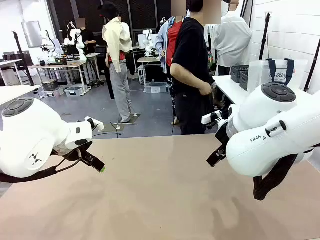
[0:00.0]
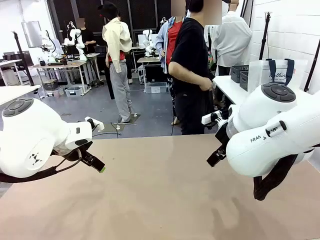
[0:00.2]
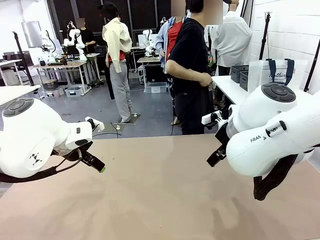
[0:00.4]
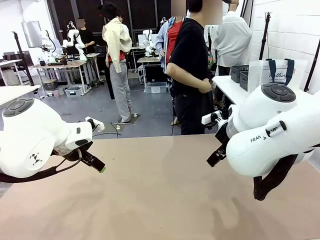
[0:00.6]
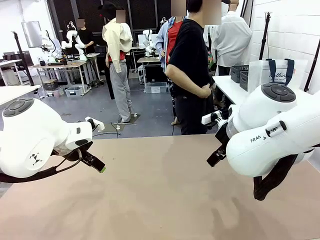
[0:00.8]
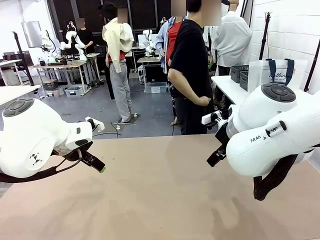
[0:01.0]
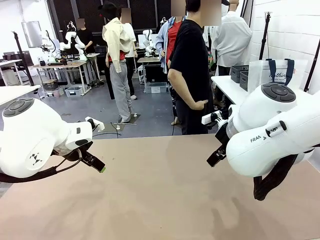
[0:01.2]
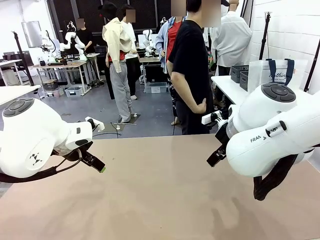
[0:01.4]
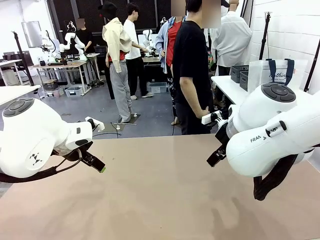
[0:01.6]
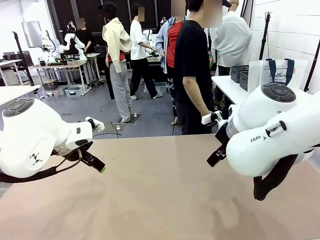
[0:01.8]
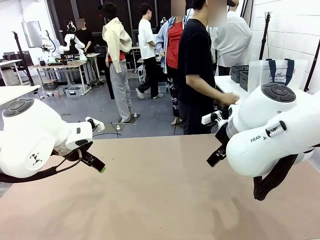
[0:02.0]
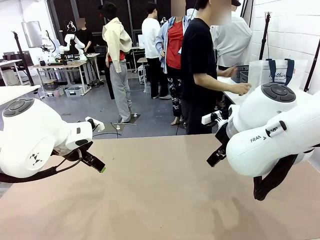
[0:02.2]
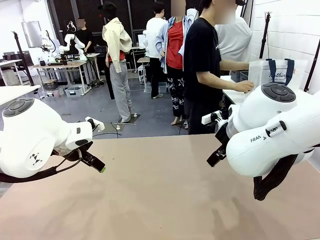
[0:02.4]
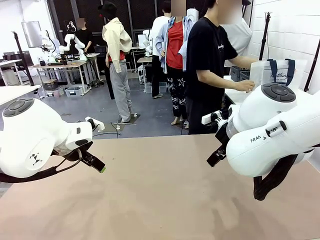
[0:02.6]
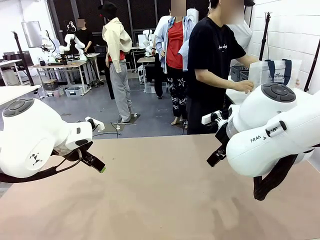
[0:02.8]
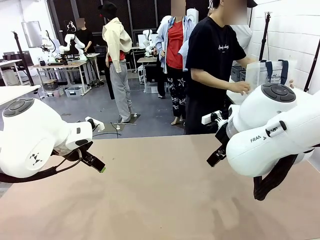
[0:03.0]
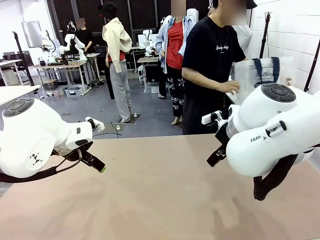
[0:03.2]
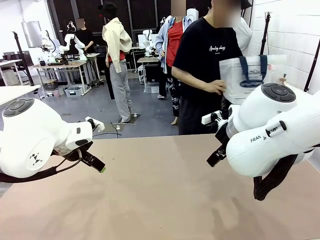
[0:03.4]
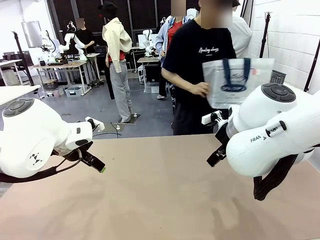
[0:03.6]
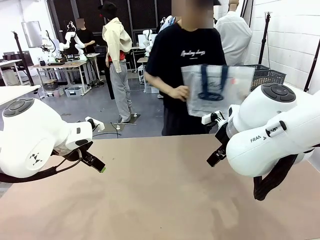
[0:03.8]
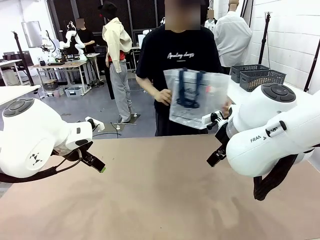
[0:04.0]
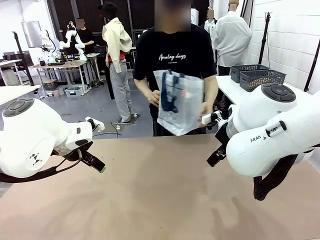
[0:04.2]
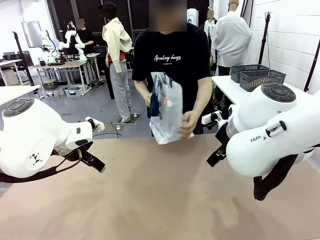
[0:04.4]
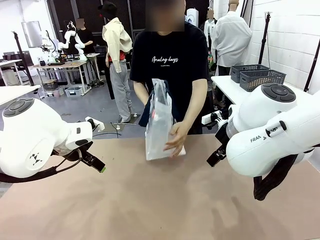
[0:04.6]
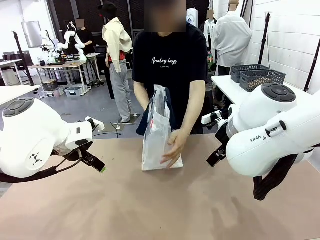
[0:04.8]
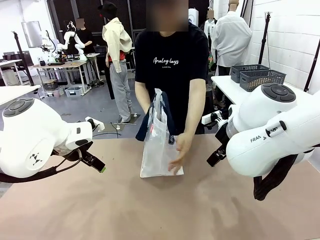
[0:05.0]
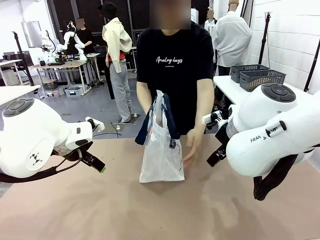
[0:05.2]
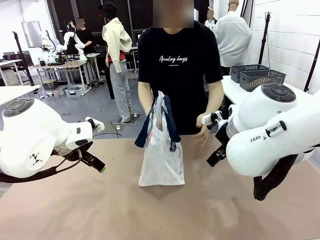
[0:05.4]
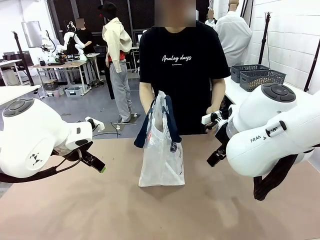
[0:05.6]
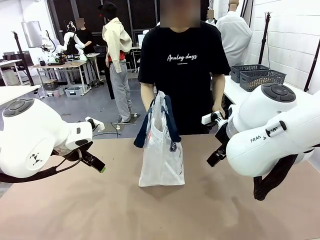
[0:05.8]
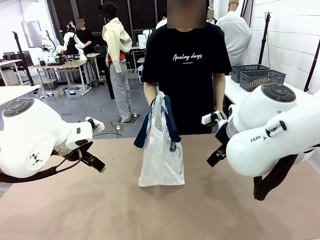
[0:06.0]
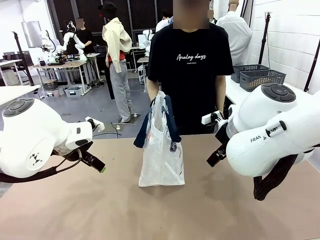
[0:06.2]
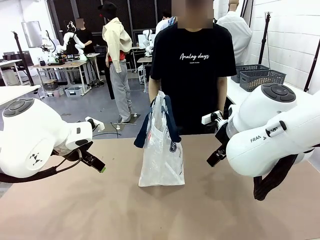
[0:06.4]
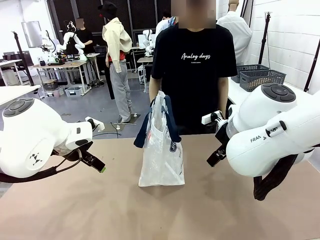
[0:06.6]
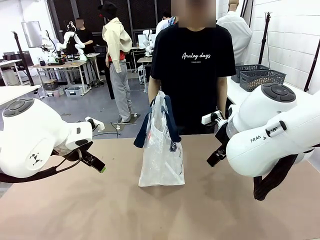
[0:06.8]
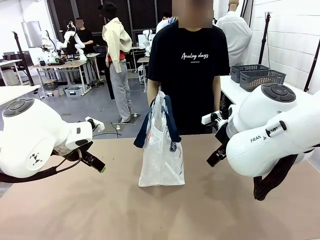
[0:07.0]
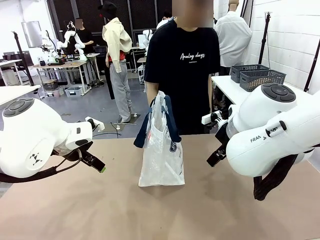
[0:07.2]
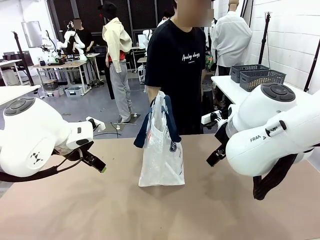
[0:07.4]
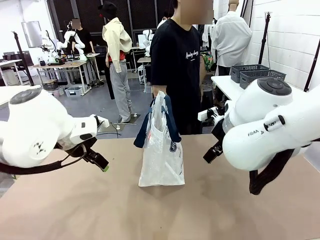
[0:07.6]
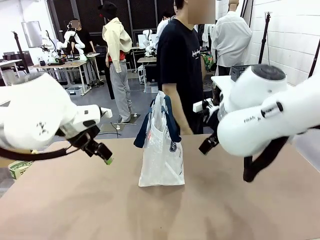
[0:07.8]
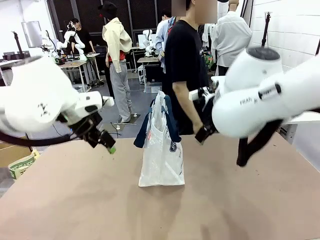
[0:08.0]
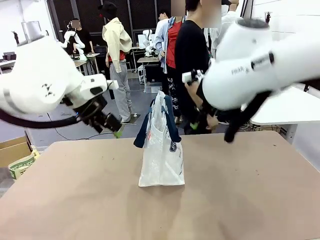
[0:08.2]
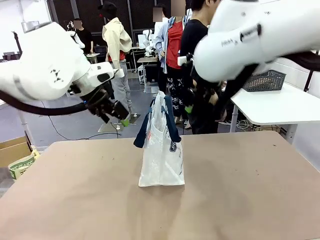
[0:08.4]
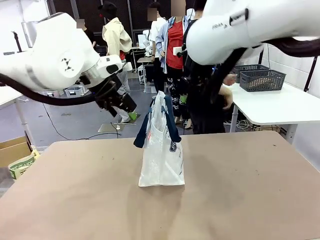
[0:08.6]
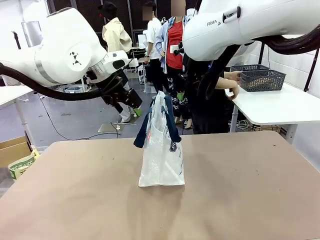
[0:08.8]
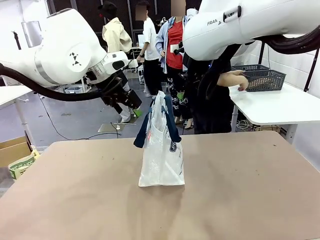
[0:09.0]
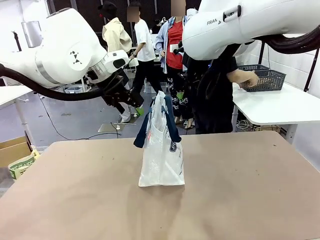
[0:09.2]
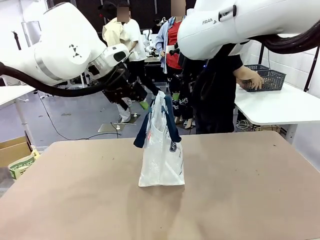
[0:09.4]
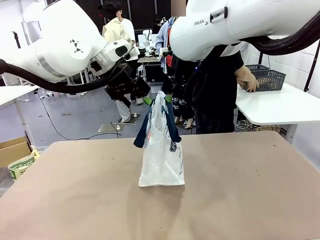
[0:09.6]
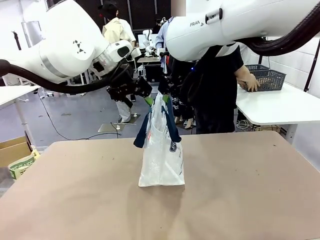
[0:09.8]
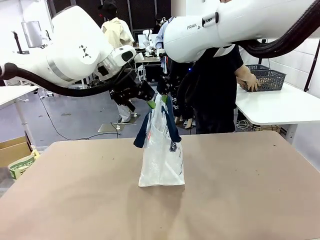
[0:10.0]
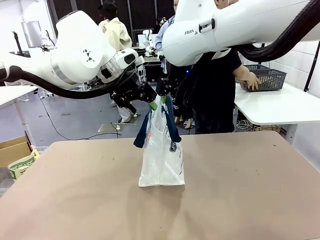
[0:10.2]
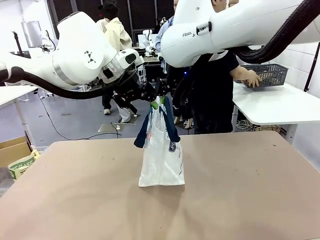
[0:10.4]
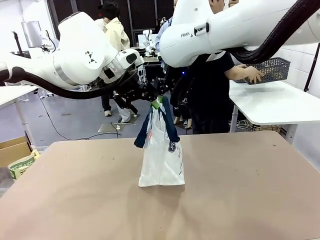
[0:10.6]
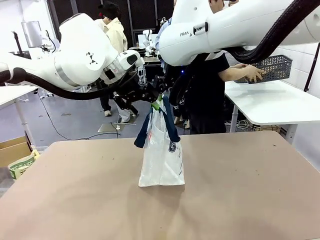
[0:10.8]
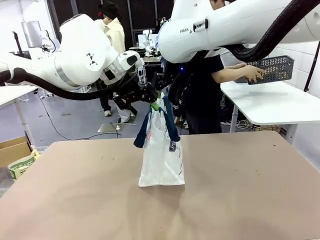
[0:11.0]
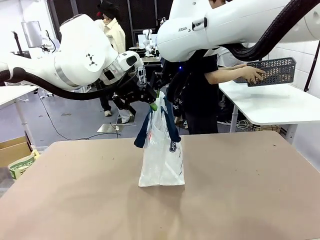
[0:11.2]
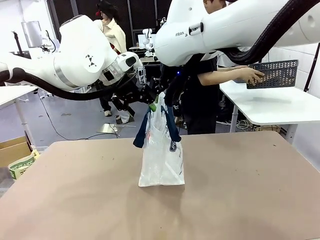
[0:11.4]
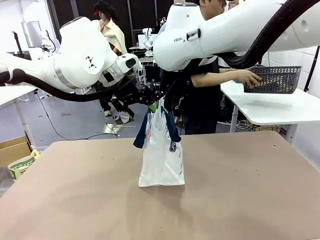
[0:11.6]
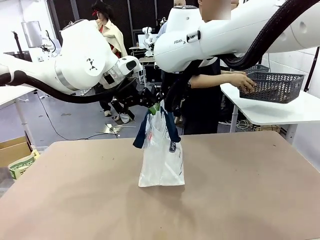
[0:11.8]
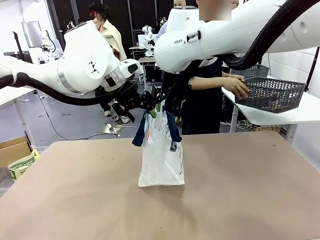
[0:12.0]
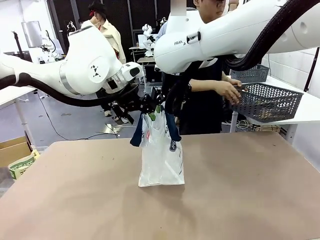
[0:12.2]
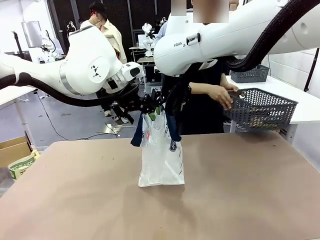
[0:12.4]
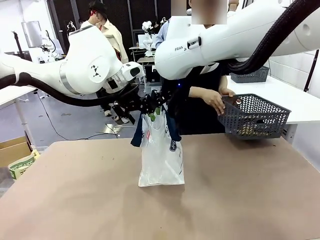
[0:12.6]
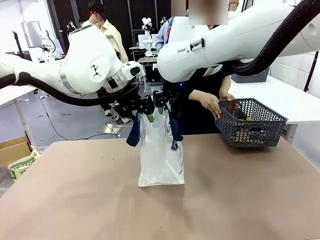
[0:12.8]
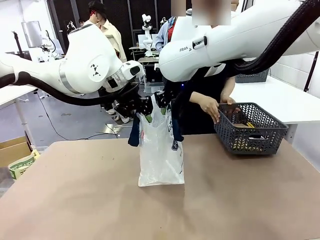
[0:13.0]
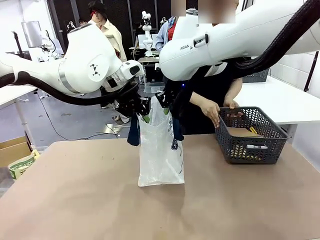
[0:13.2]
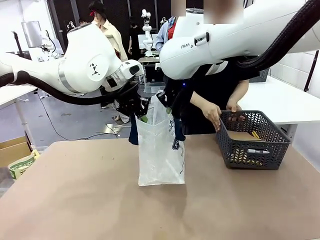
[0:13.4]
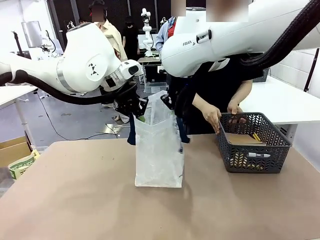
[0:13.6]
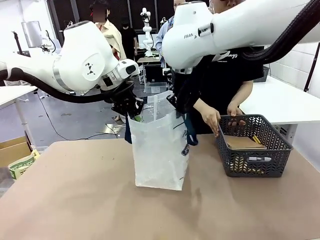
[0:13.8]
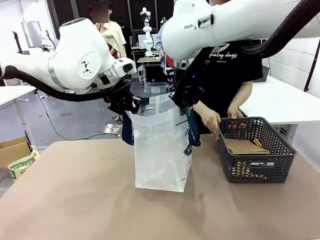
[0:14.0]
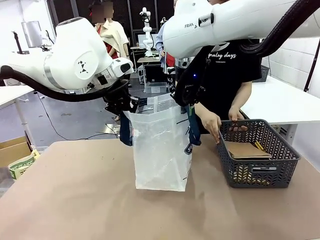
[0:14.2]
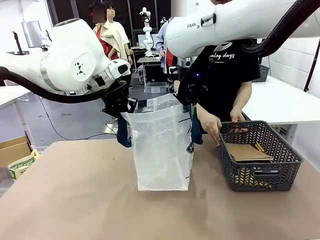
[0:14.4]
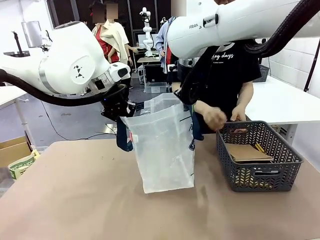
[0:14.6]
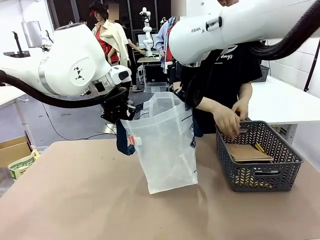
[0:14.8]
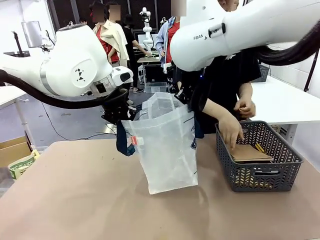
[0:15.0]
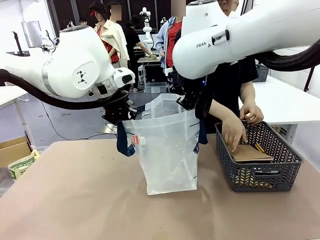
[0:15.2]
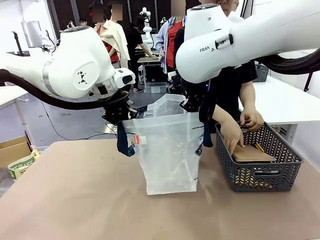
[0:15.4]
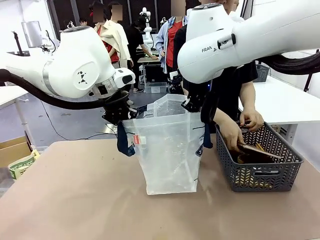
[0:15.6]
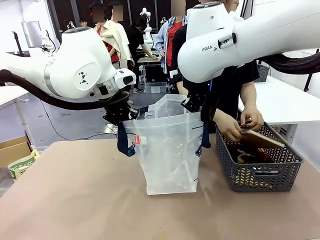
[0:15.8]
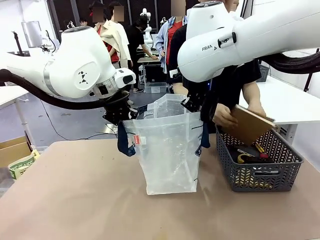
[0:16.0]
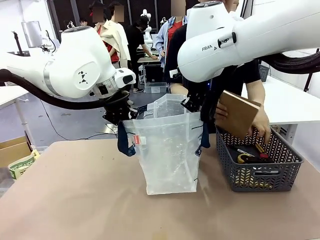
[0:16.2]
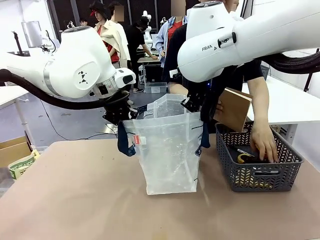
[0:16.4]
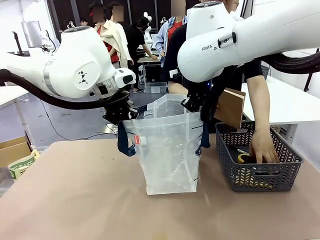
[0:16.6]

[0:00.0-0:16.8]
Task: Transfer purchased items from the store into the shopping bag.
Robot: Open the Reusable shopping bag in the center of the table.
Person: Pick up the shopping bag and place it in the middle of the robot table.
